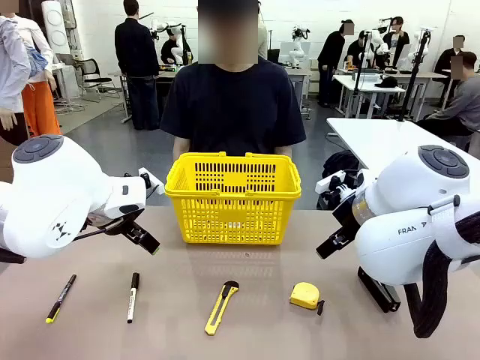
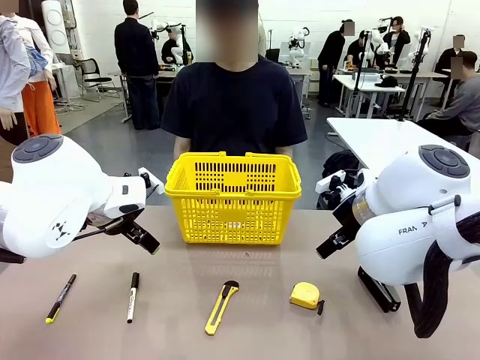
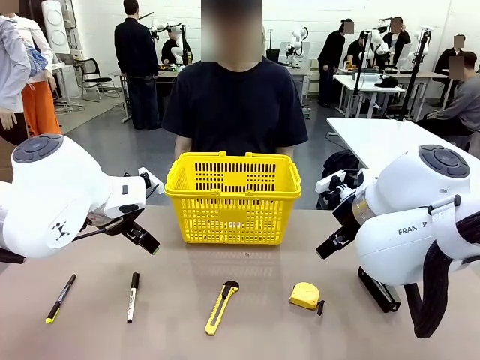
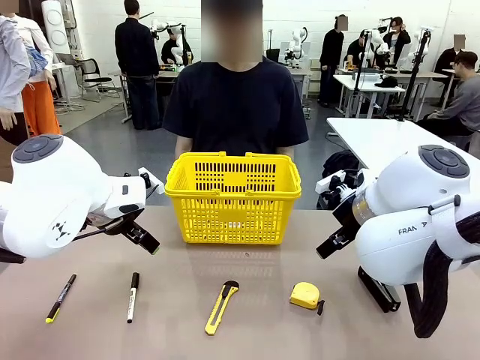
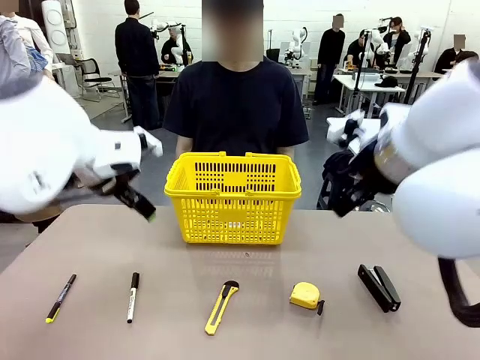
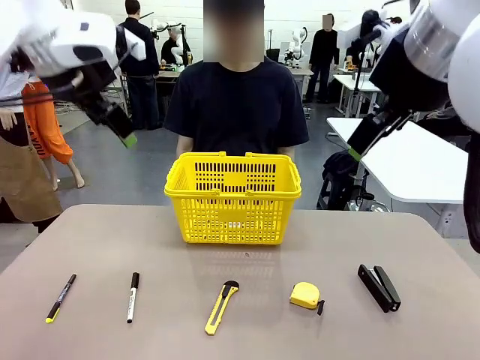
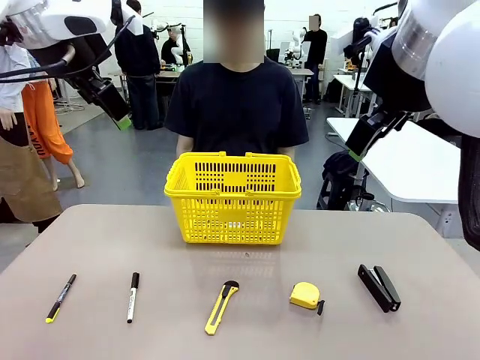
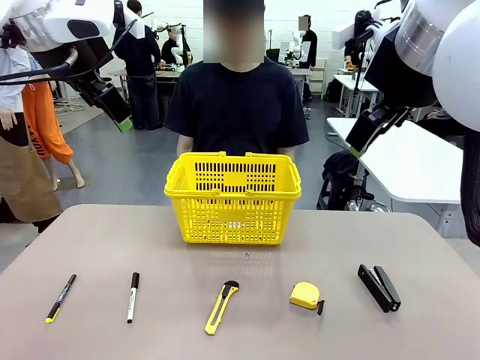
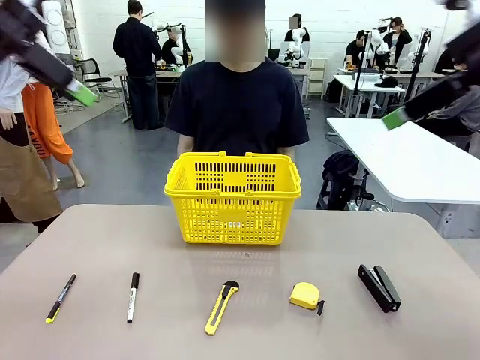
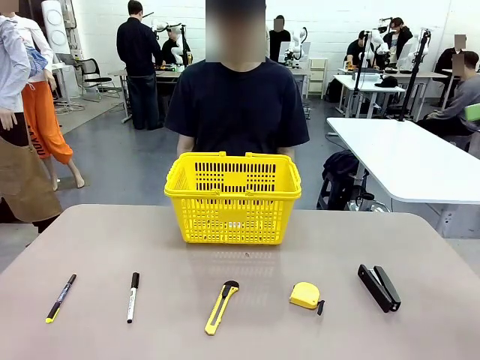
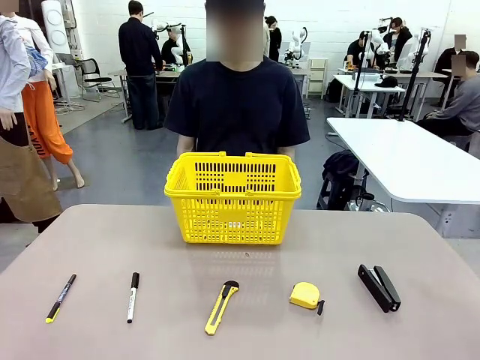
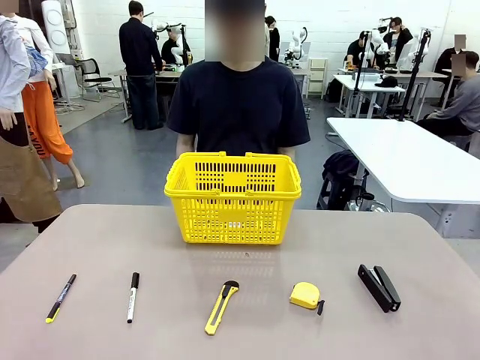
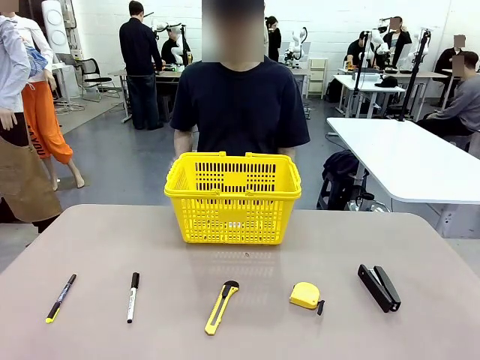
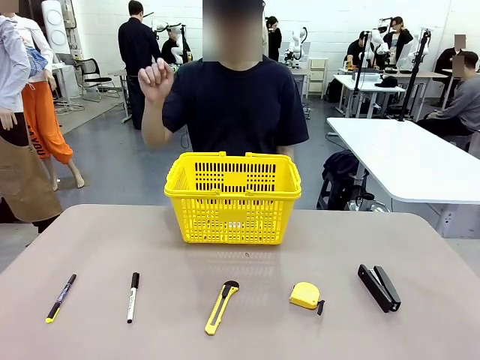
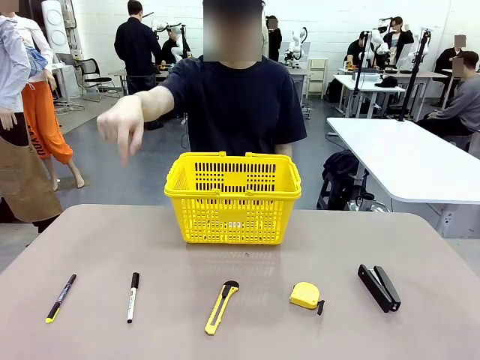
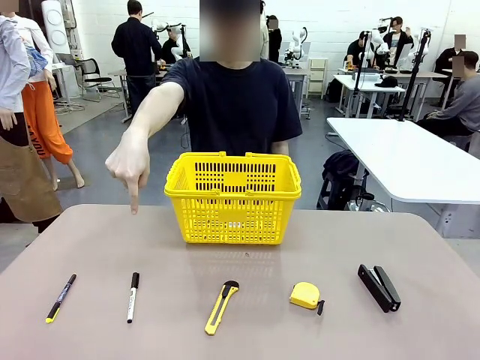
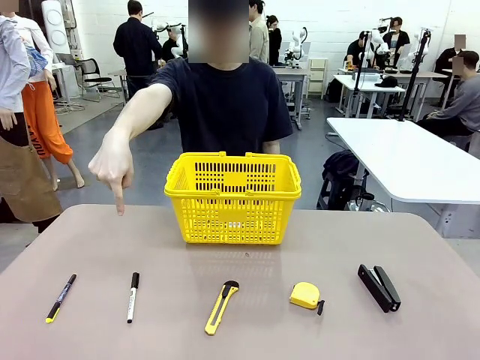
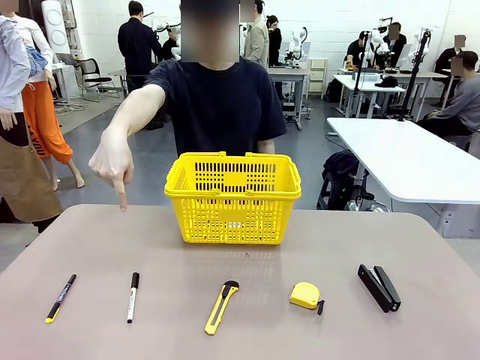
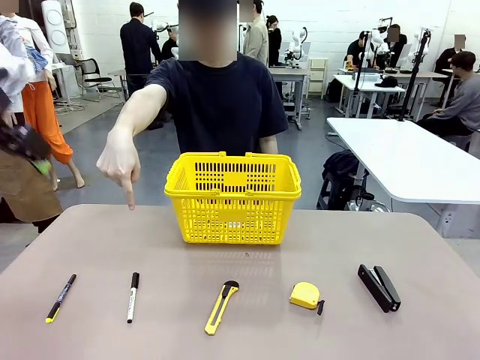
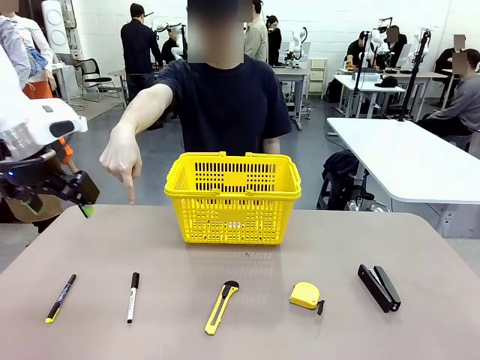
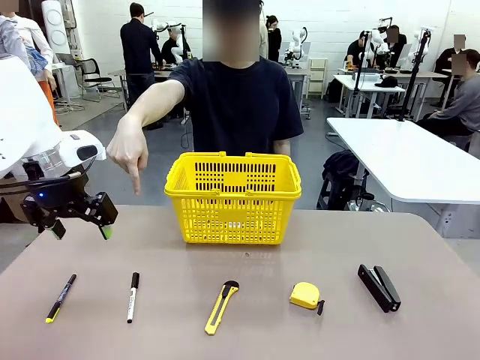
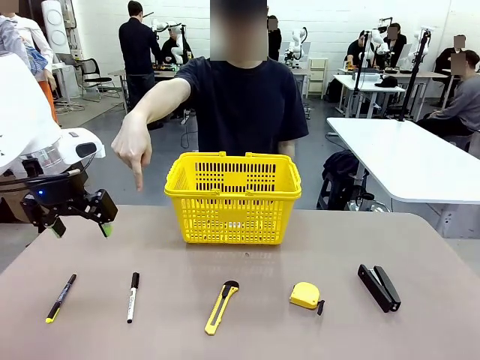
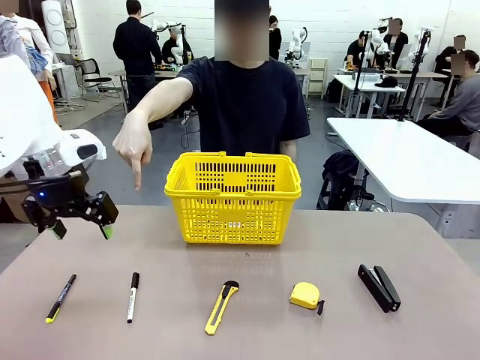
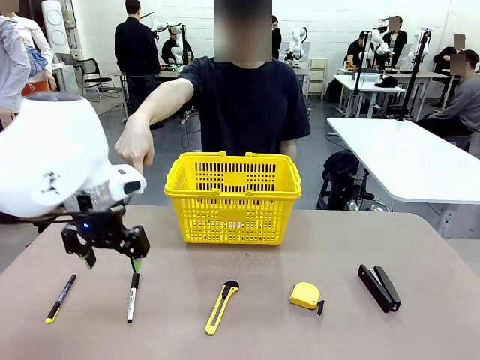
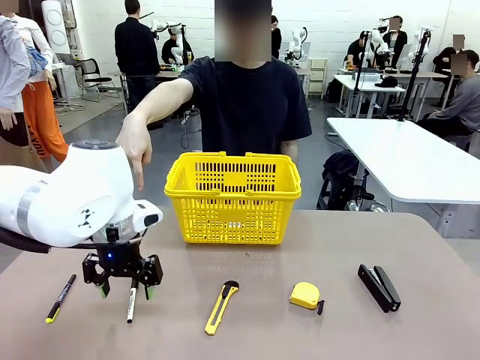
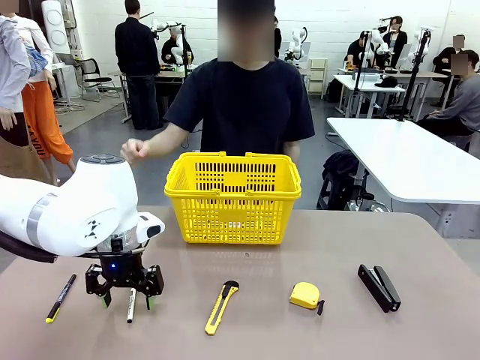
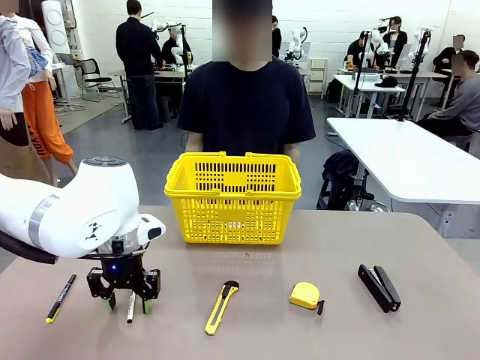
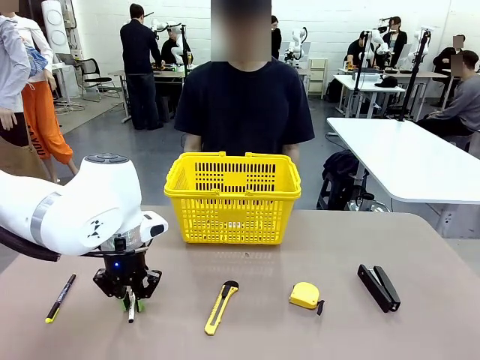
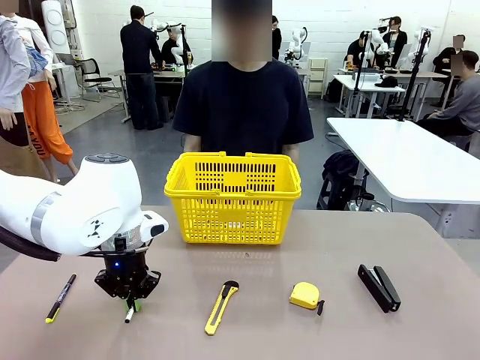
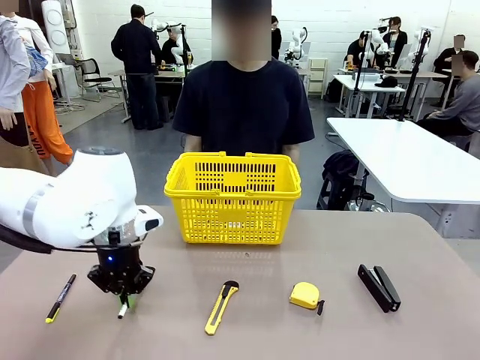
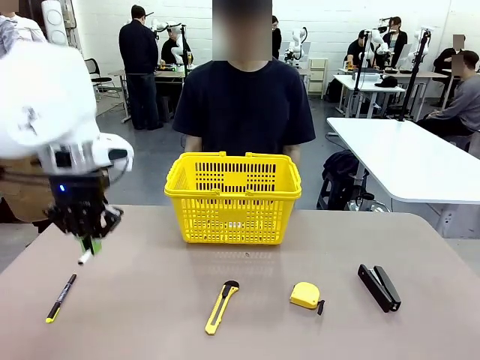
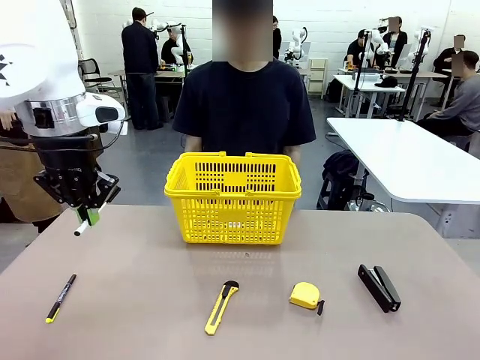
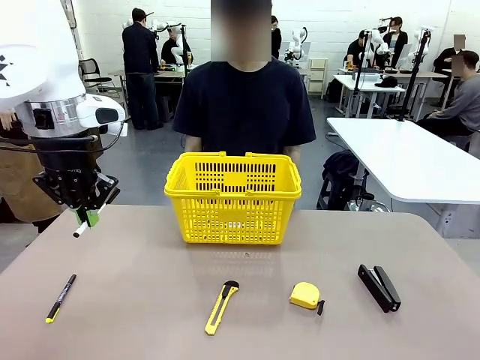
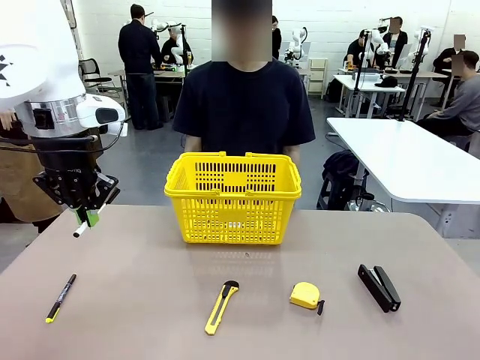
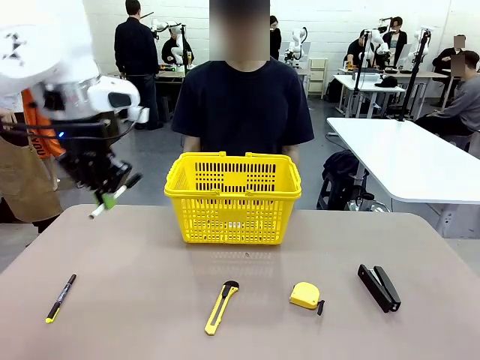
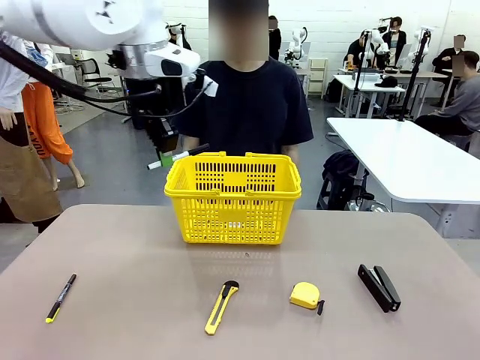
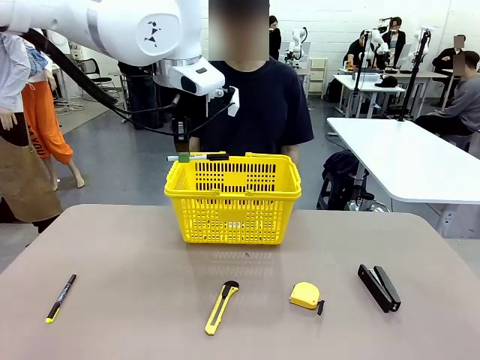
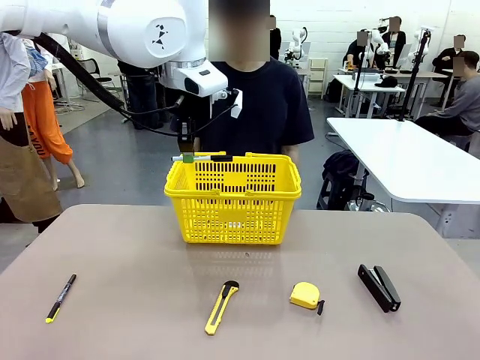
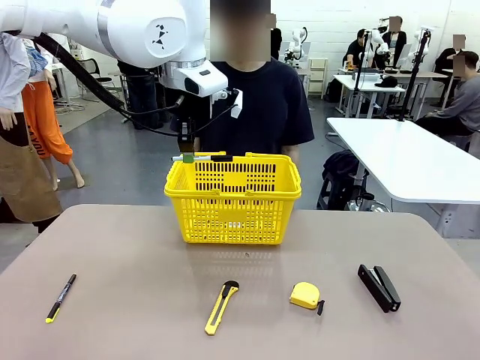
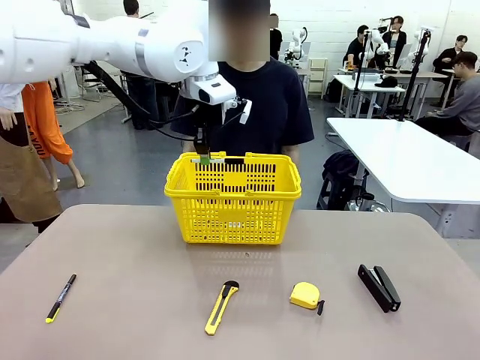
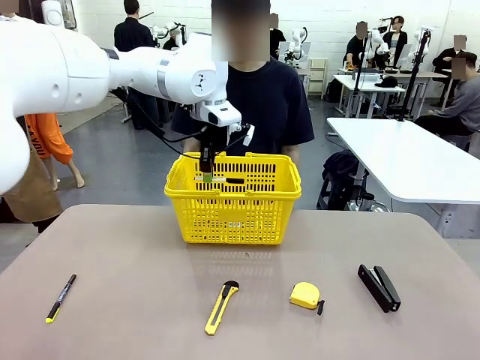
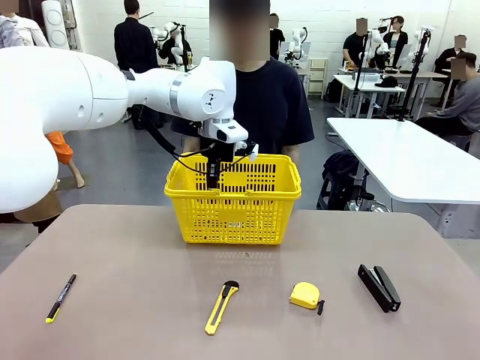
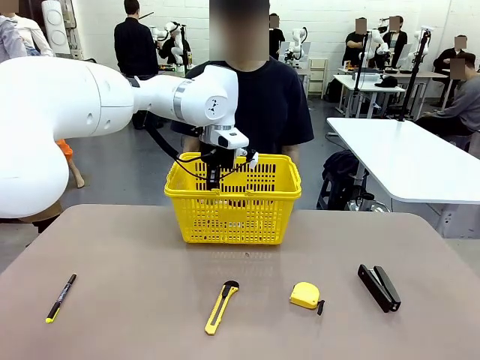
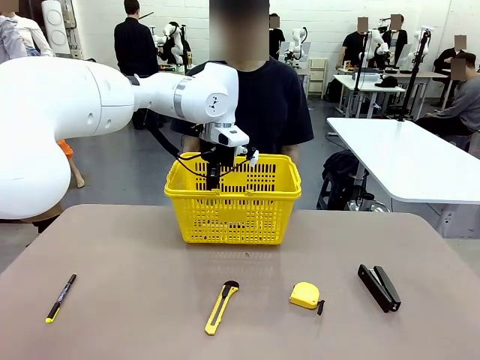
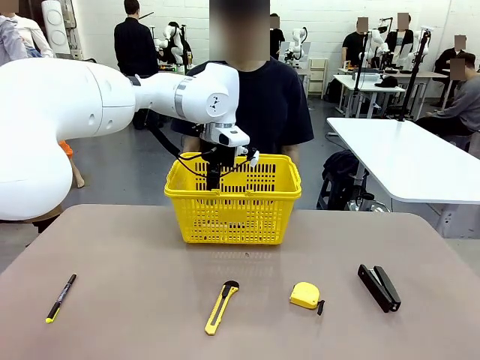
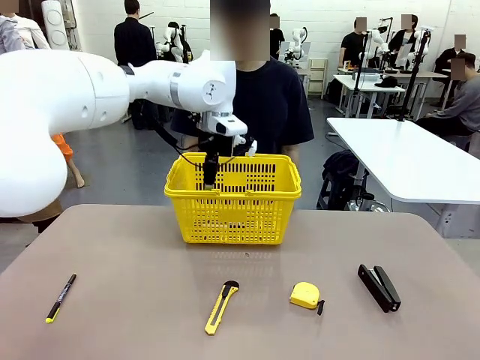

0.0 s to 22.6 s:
Task: Place the items the person wants into the basket.
Robot: Pick up the item the person points to and place it in the Market Basket.
